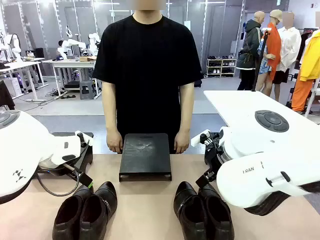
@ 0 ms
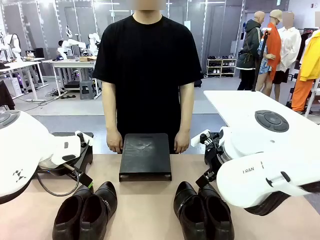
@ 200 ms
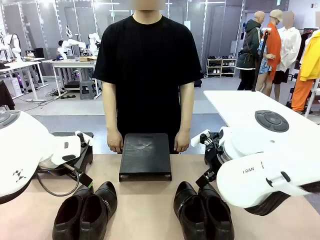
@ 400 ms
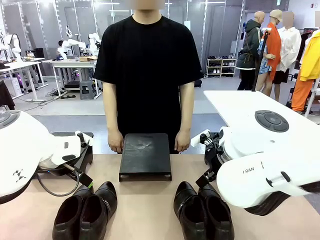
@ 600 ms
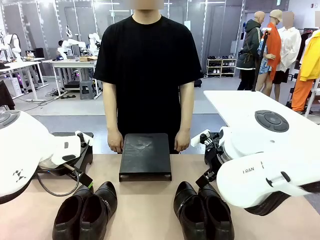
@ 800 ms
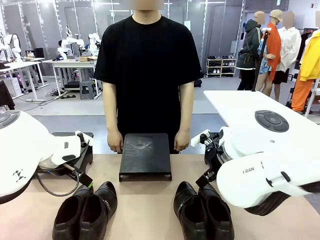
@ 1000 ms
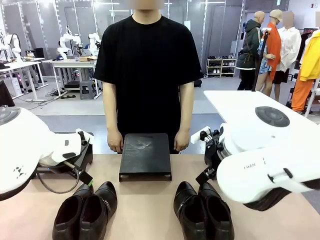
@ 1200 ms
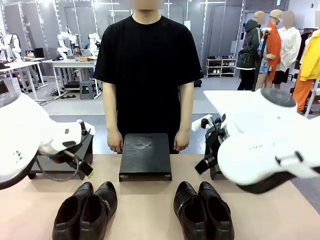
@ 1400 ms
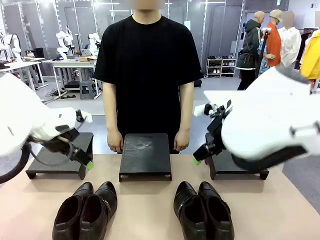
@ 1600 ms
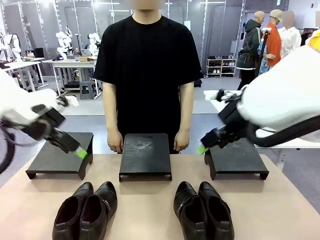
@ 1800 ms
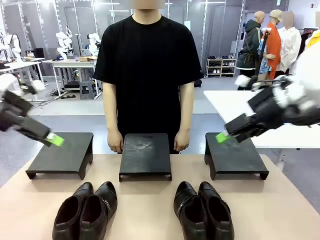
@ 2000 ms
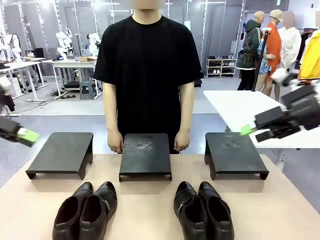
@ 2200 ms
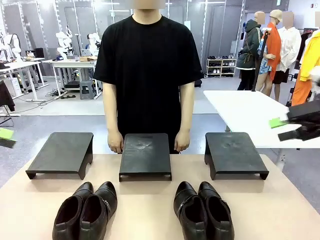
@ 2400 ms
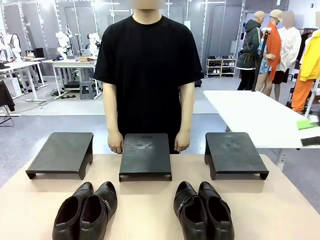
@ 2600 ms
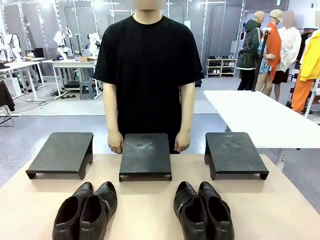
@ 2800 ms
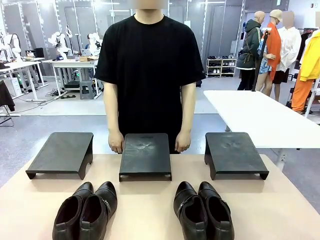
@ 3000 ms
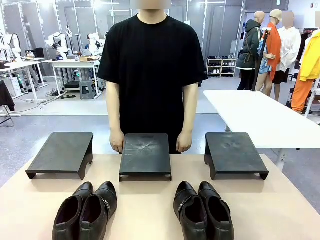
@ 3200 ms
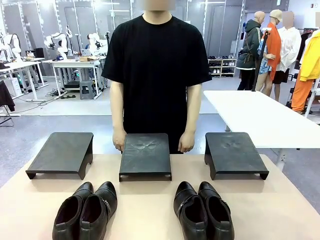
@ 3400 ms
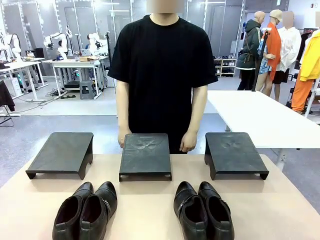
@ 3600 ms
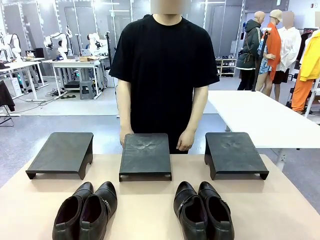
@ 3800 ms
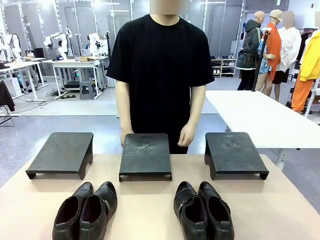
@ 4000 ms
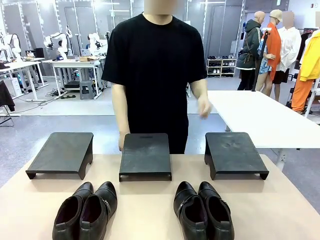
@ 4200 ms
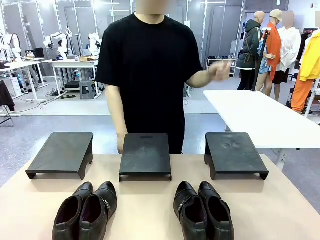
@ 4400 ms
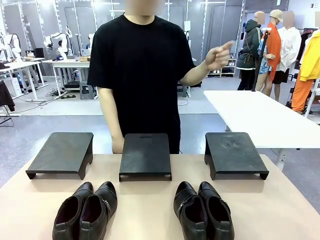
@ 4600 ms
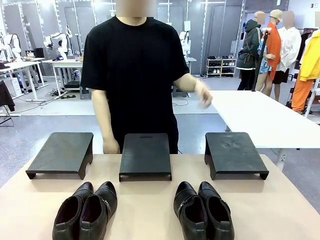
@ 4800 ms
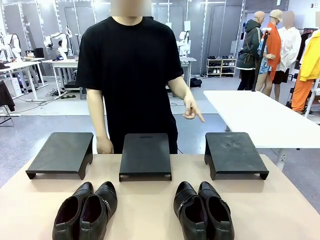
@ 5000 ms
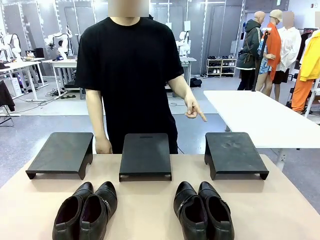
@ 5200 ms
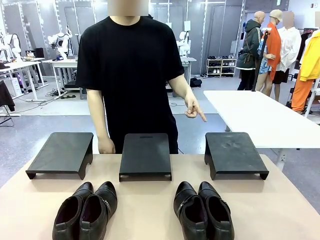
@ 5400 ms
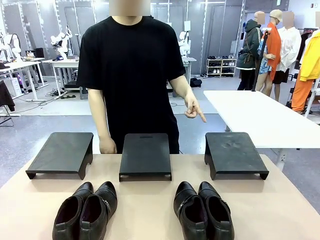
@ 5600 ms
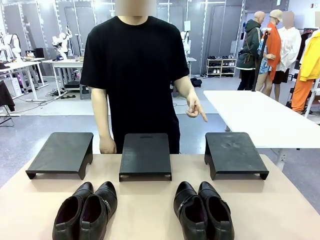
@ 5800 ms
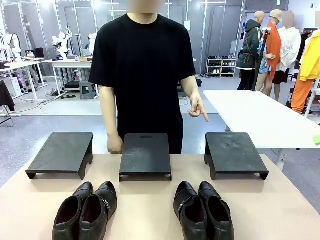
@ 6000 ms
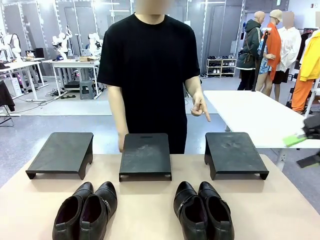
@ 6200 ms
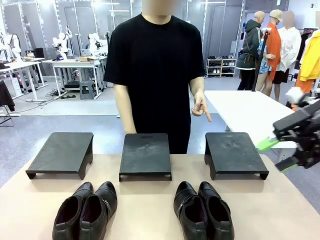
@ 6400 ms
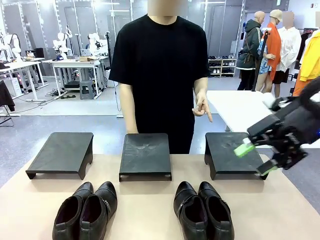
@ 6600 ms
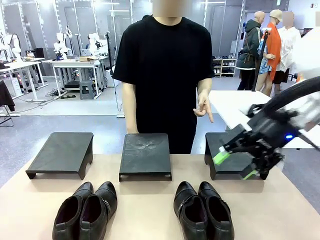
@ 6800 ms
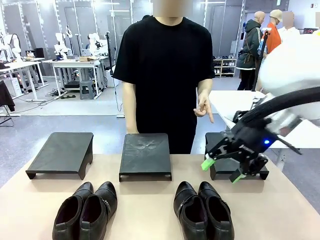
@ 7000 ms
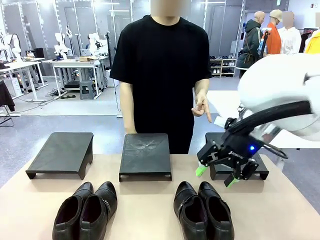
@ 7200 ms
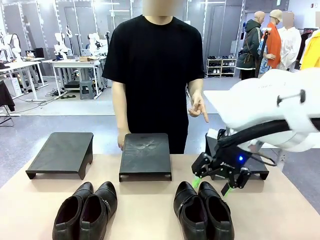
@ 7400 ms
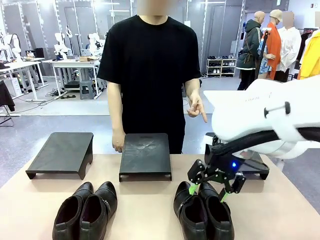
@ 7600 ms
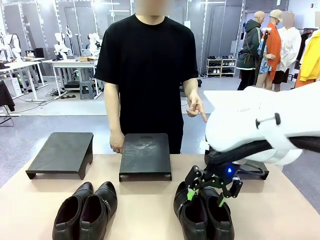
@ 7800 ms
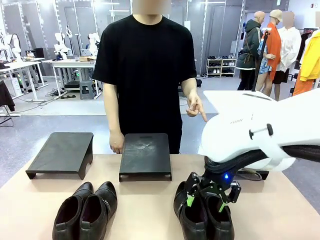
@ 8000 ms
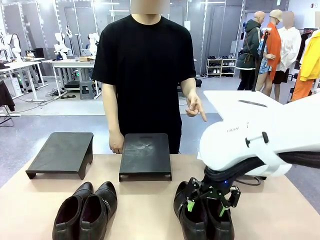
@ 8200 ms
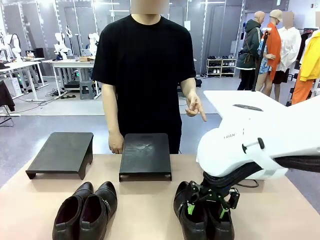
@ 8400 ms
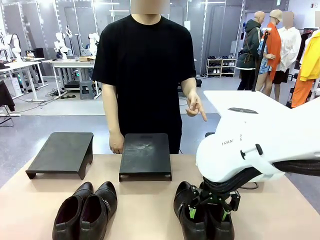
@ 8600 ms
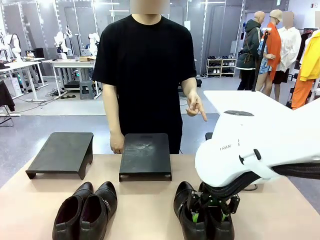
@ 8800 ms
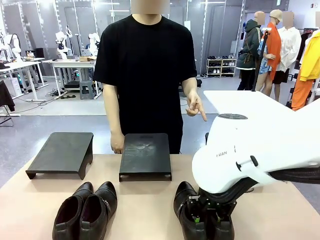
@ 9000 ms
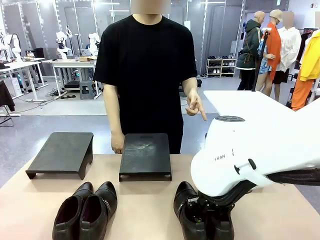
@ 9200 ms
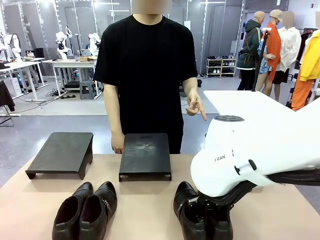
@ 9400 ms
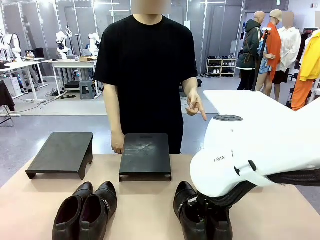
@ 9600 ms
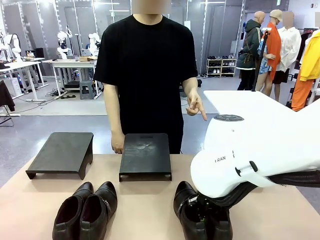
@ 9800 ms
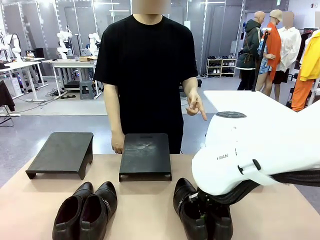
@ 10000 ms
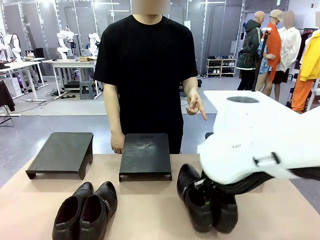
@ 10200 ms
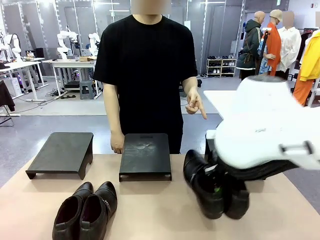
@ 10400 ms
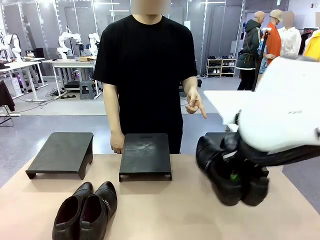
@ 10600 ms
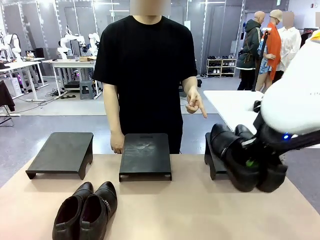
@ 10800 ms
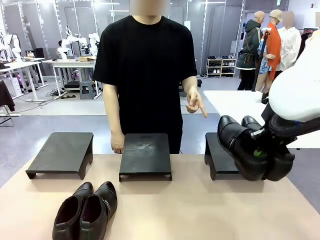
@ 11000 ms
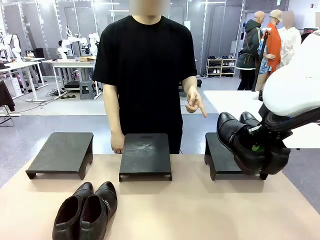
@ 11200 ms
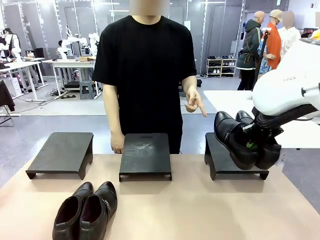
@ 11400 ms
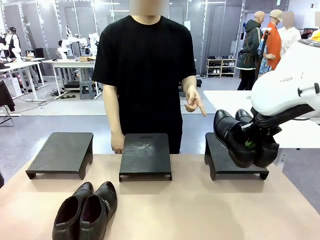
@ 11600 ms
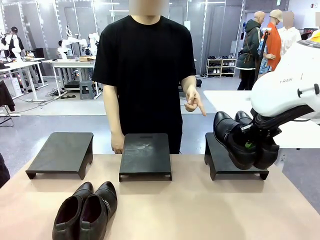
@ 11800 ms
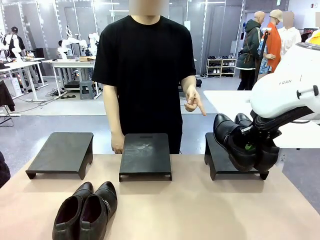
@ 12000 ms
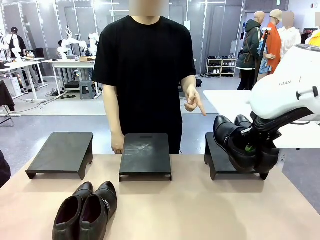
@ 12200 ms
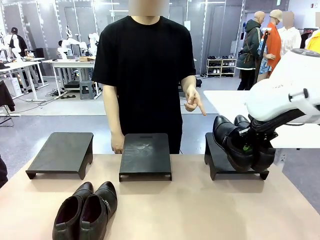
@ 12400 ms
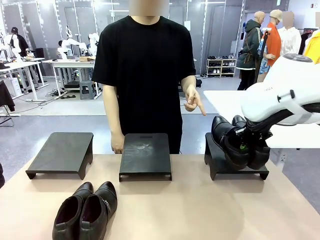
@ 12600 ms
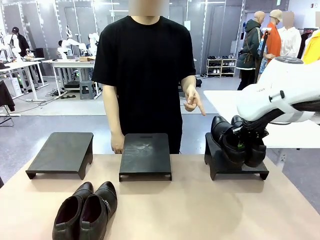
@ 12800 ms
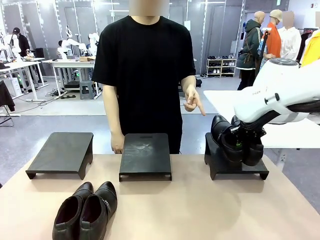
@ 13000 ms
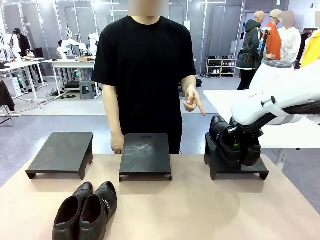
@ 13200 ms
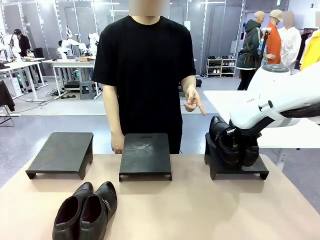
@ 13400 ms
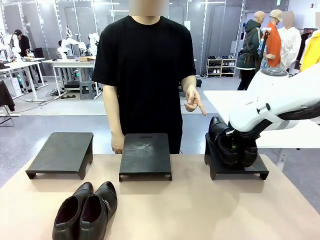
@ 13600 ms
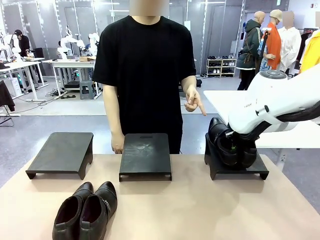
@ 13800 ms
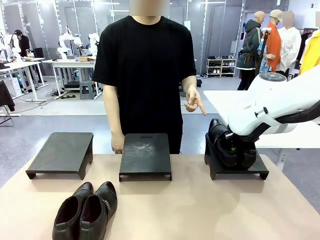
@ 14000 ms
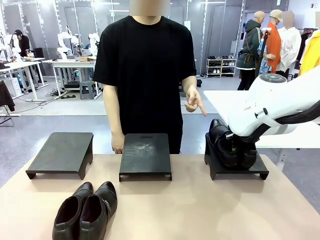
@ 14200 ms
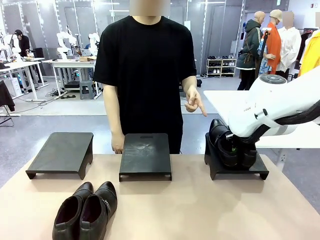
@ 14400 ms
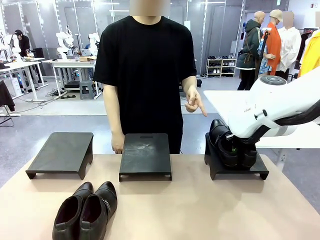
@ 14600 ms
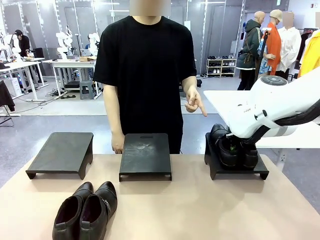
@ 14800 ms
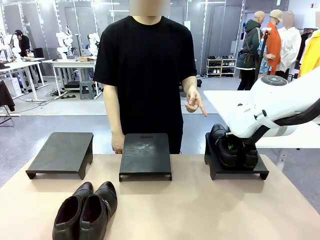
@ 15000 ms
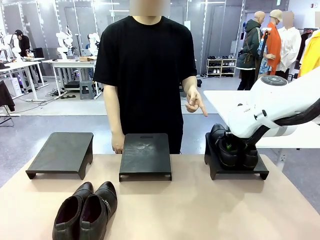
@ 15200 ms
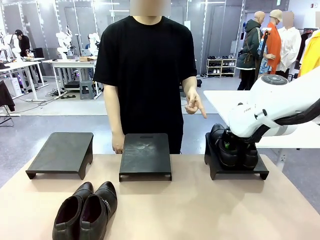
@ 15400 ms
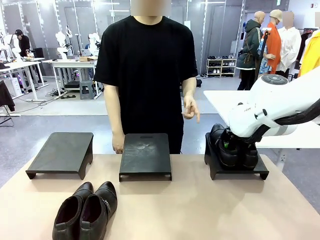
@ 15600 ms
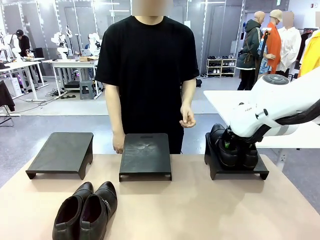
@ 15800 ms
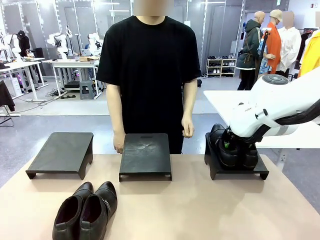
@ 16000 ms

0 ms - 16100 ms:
Task: Place the shoes on the stand as instructed by the person.
Robot: Pick up one pair of Shoes and place it on the Shoes Stand indicated by the person.
